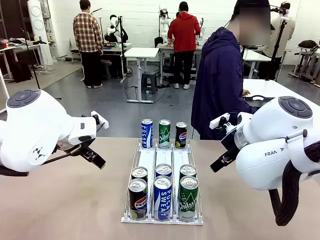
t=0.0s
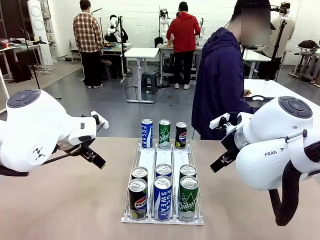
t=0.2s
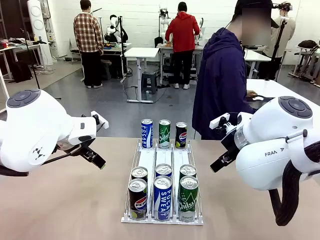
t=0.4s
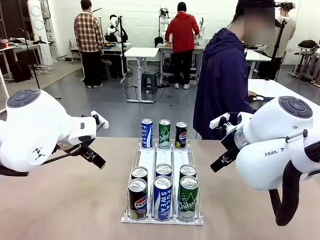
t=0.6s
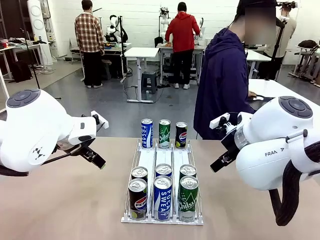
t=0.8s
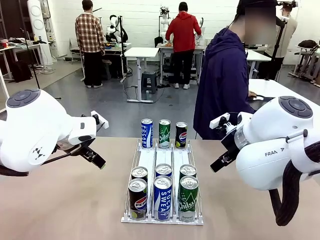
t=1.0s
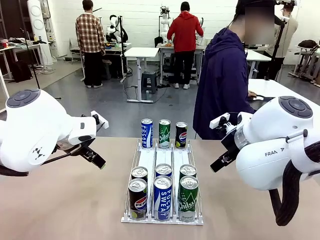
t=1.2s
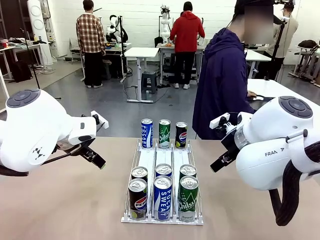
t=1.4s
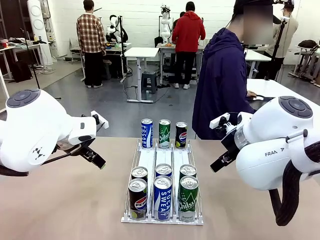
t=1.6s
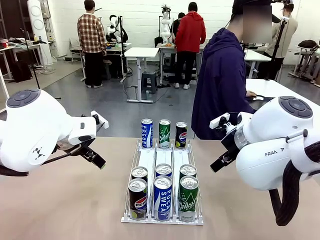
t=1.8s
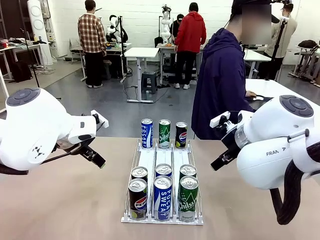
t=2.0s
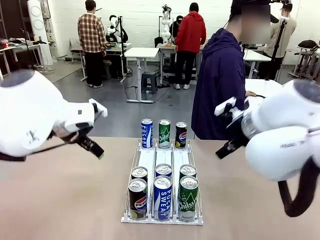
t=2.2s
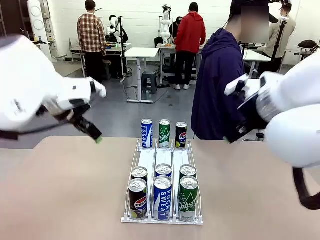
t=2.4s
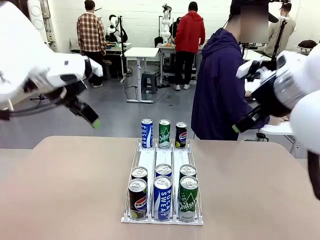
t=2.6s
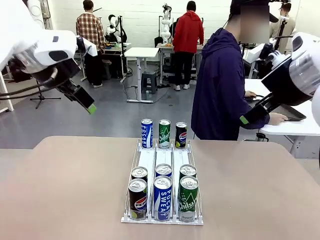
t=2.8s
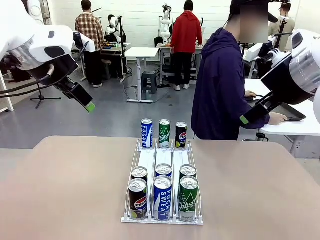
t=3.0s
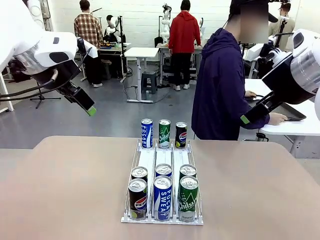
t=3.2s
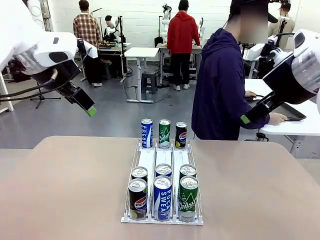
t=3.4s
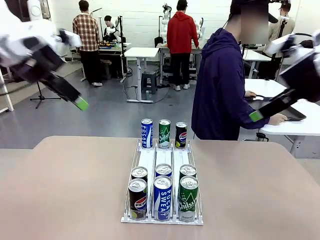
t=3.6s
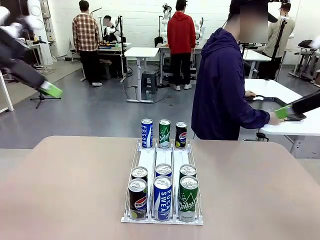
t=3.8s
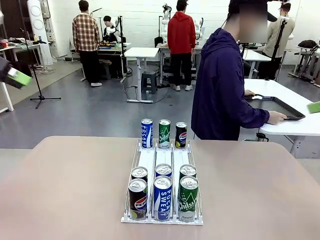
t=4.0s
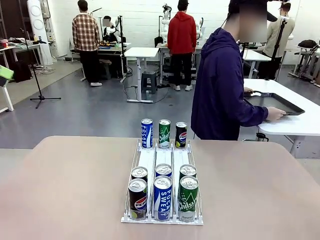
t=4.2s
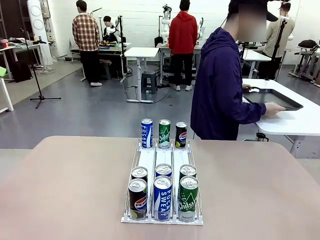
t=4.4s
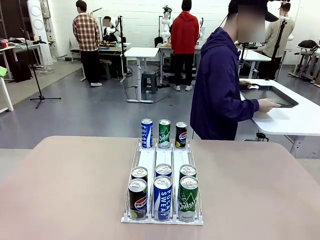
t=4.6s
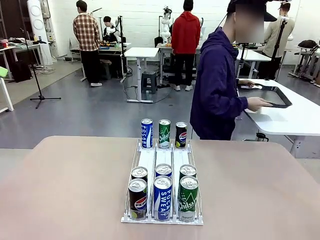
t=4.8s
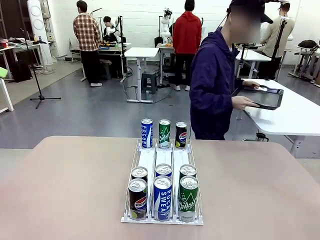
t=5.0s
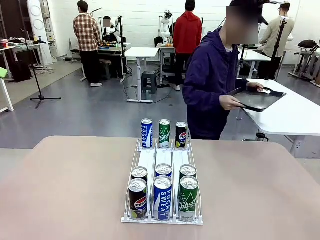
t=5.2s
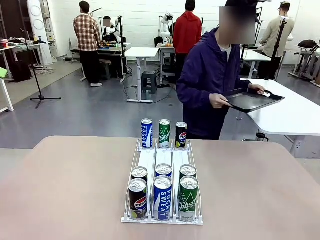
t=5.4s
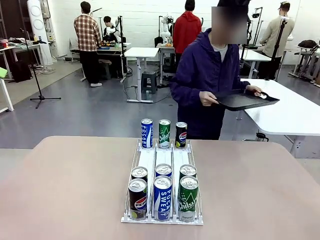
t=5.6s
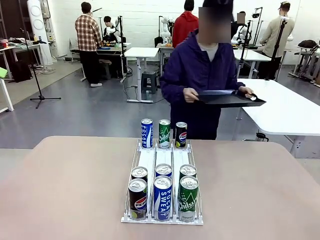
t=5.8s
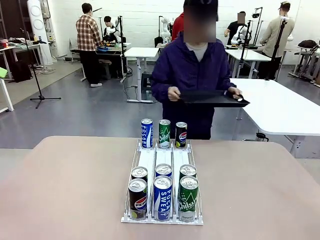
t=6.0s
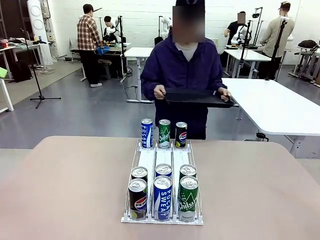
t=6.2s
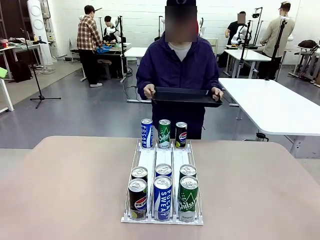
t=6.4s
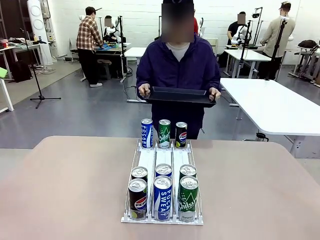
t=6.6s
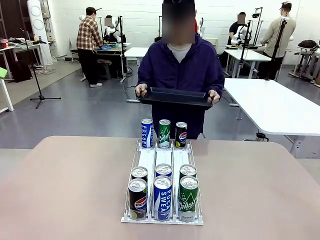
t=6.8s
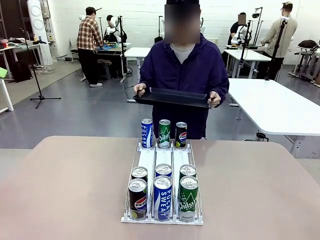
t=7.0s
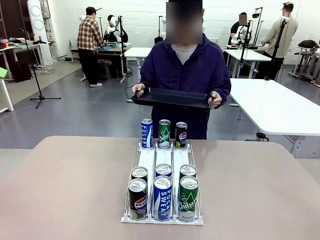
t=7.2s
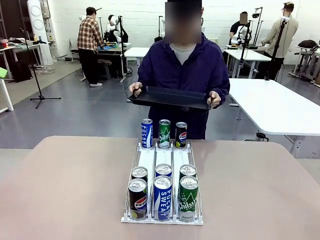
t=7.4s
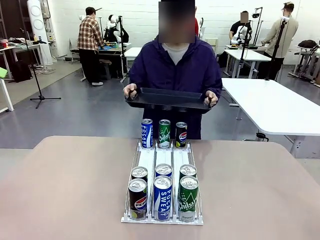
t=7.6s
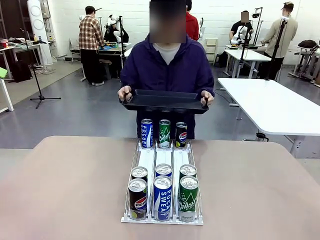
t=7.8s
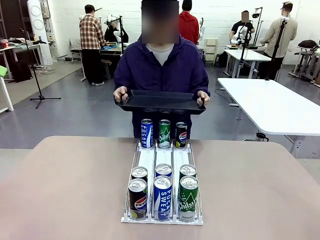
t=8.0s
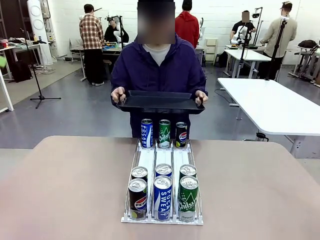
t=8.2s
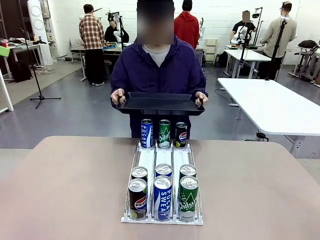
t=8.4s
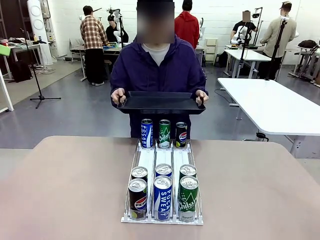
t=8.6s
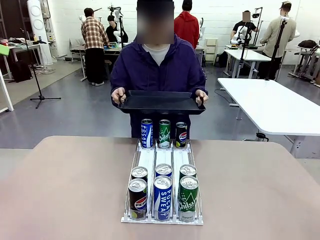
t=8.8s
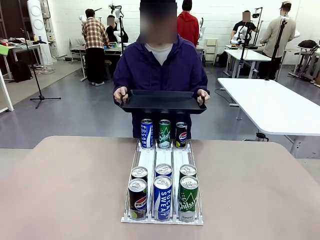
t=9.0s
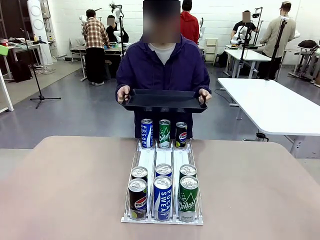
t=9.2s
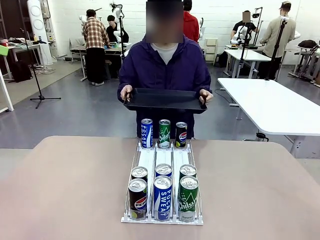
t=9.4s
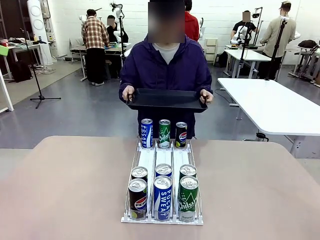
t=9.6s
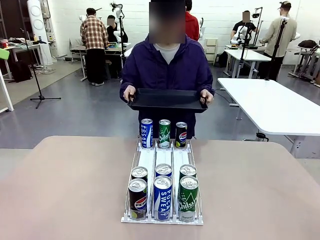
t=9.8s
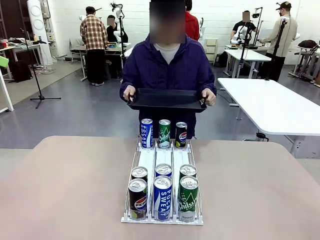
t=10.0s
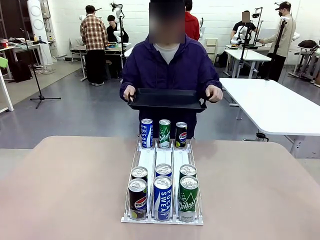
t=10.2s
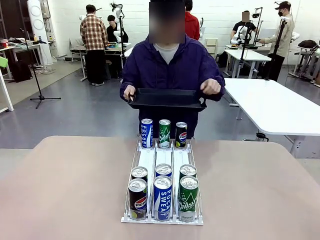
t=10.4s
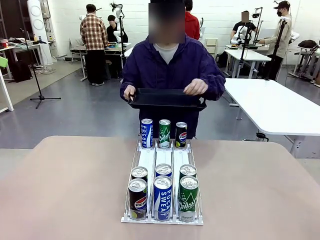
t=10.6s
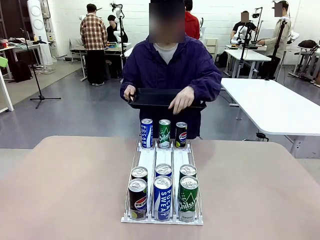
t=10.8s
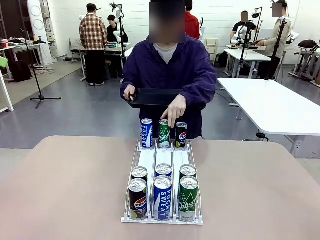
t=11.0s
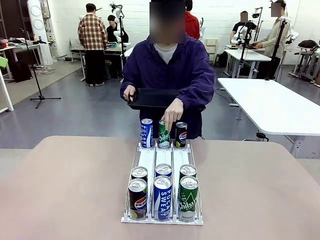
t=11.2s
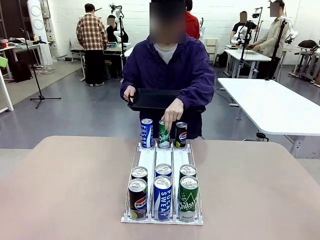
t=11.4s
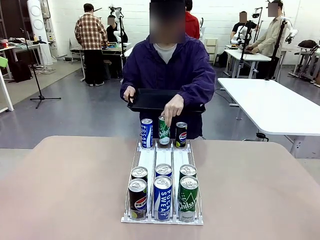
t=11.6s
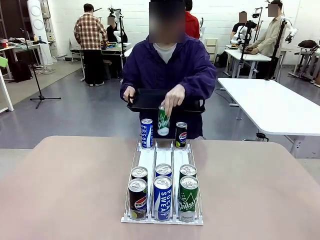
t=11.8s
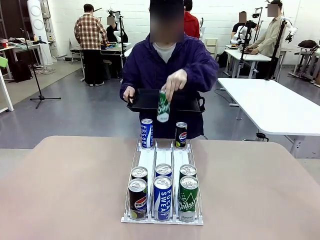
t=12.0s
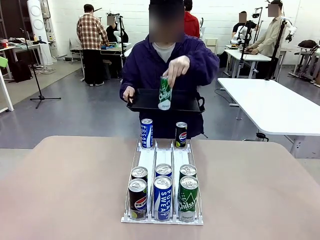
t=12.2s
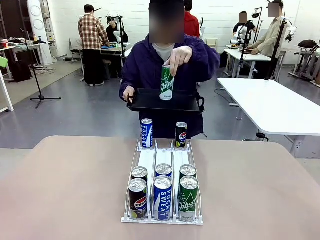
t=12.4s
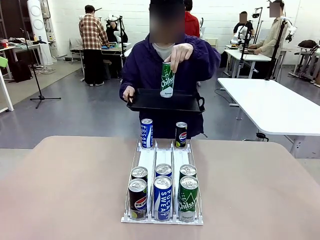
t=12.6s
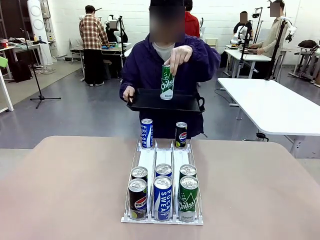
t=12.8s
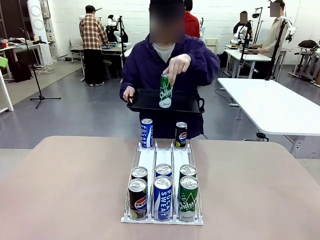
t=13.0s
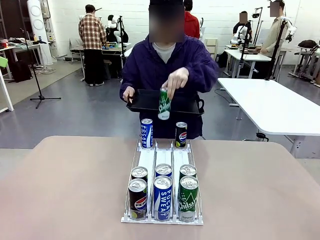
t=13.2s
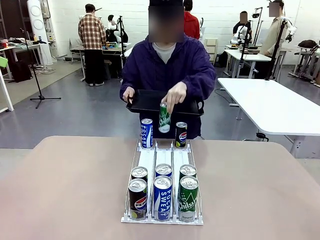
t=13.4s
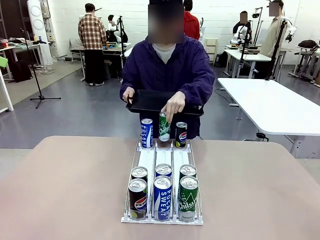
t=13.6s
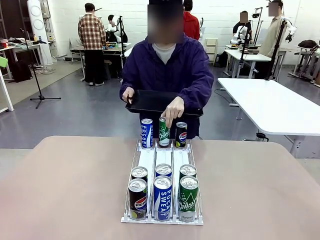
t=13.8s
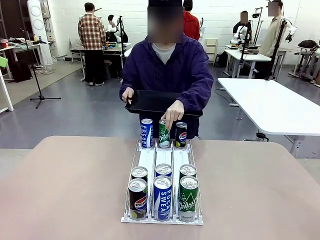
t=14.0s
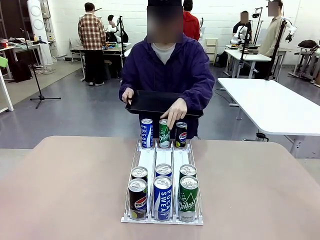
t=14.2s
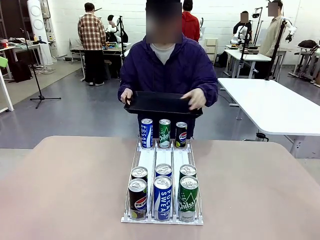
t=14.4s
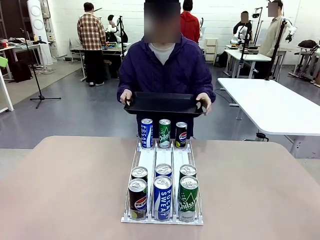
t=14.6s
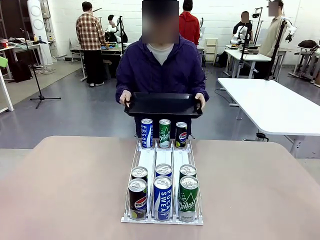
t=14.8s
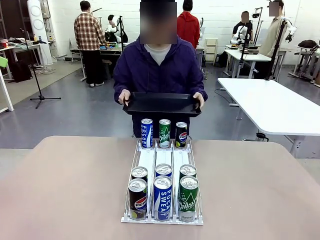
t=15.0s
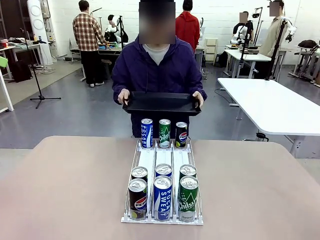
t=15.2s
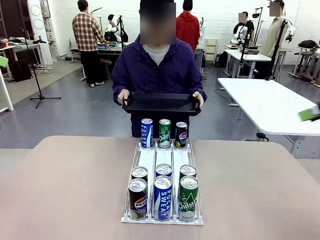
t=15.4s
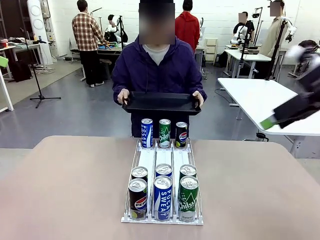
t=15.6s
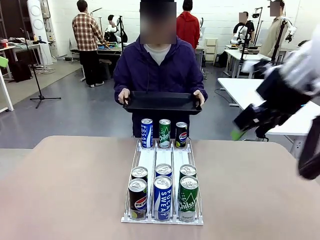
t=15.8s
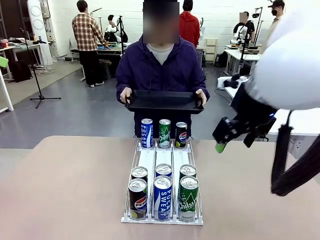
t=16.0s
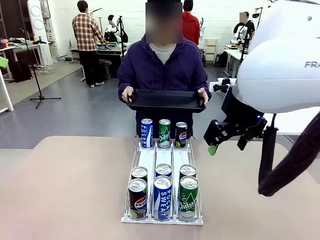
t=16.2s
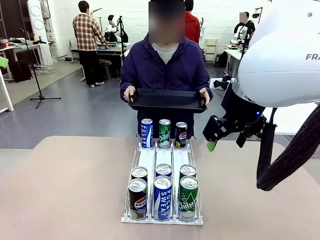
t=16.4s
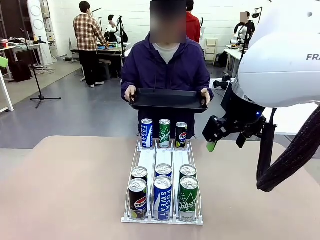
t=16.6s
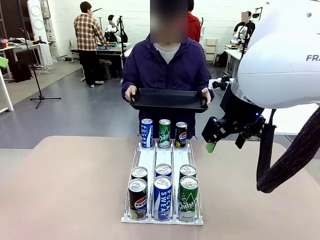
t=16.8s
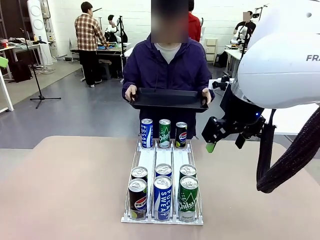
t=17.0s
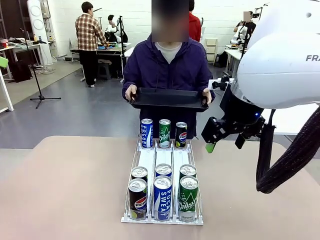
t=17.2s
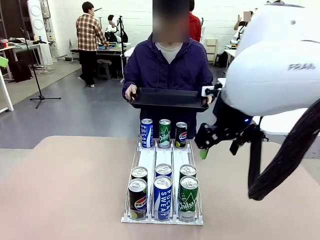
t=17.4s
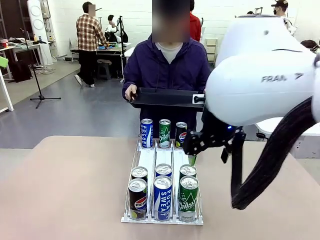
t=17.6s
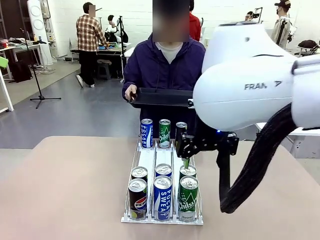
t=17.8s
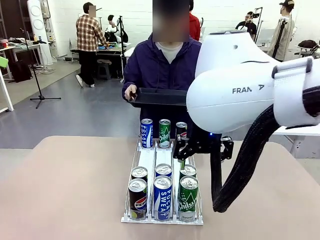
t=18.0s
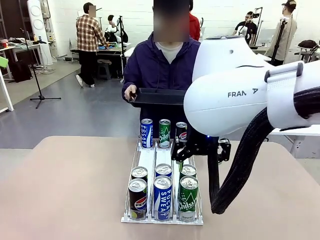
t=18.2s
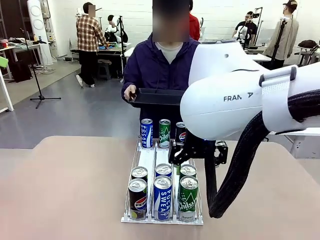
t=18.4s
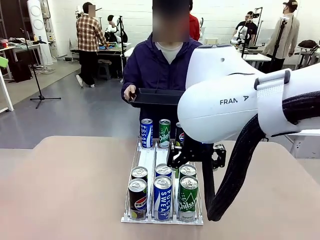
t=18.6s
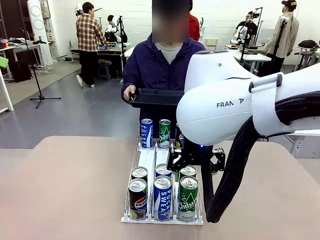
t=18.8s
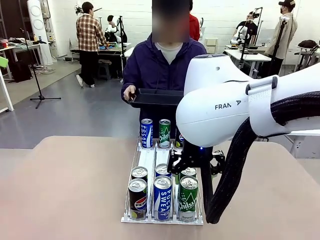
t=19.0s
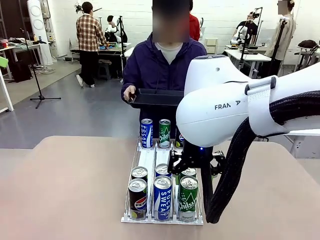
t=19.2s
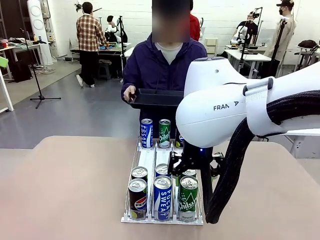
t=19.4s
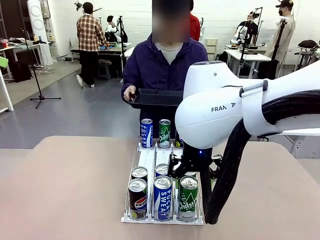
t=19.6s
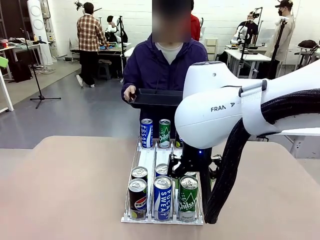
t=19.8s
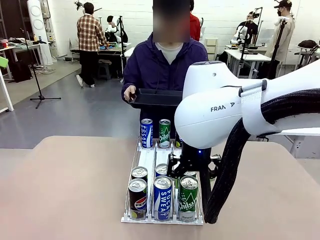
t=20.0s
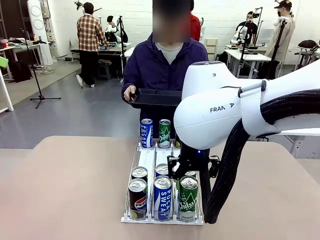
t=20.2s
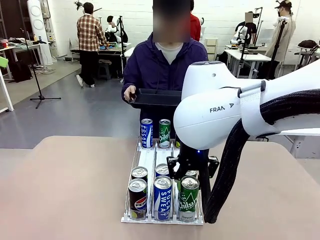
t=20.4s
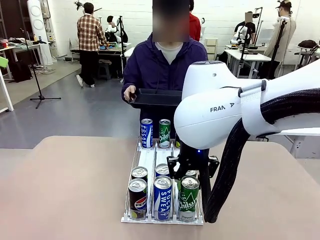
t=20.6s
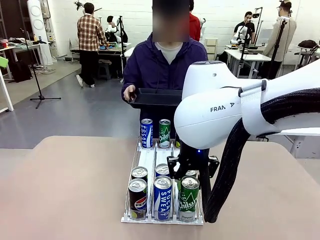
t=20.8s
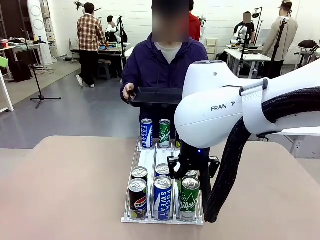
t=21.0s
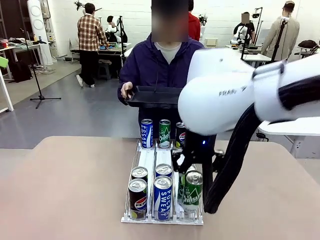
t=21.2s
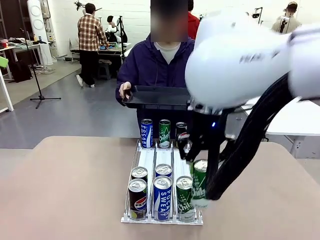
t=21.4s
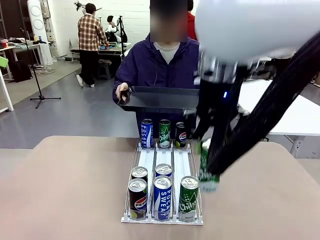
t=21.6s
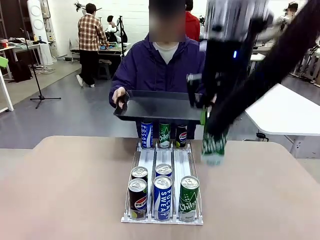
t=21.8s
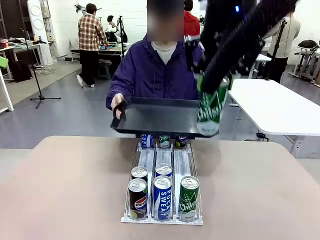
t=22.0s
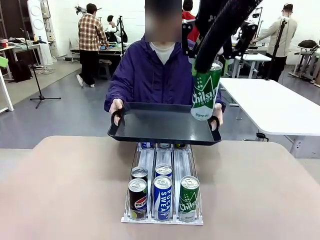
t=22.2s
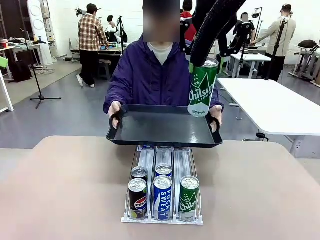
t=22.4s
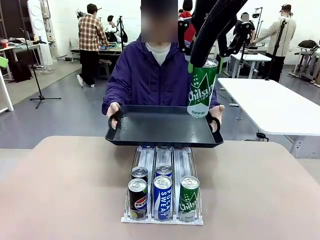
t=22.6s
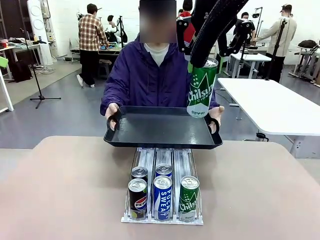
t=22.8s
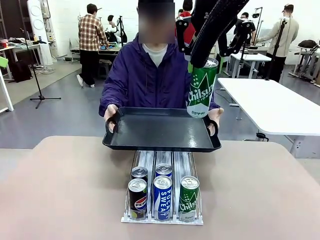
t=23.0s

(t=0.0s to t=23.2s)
Task: Retrieve and hand over the desired beverage to the person.
Robot: Pick up a can of the same type that the person held from the Automatic Can Dispenser.
Person: Hold the tray and position yourself in front of the robot table. Pick up one can from the bottom area of the table and puts it back in its original place. Push the tray toward the robot.
